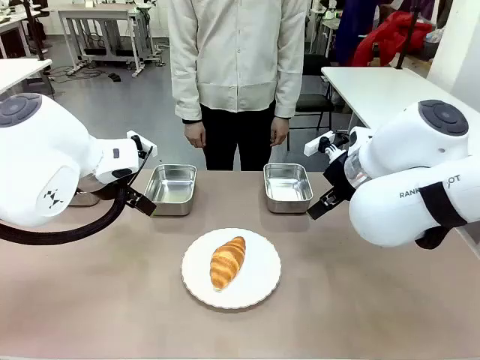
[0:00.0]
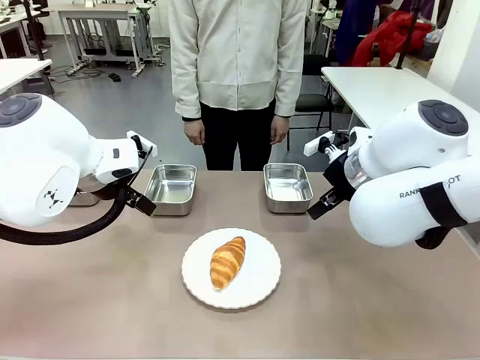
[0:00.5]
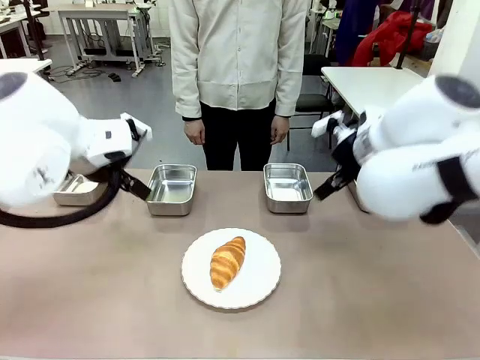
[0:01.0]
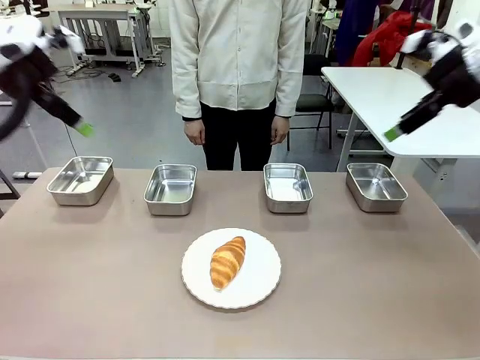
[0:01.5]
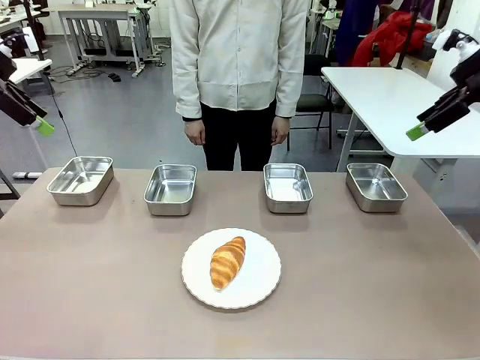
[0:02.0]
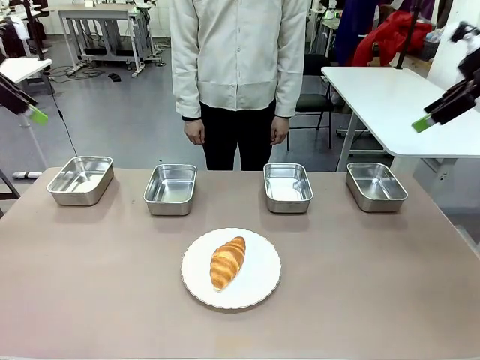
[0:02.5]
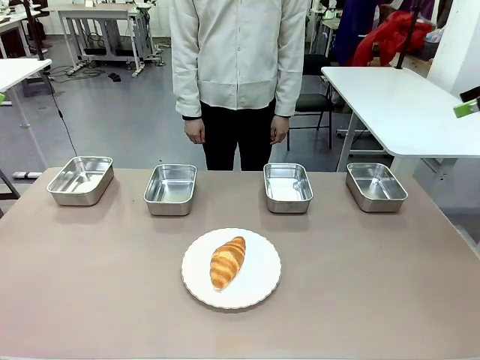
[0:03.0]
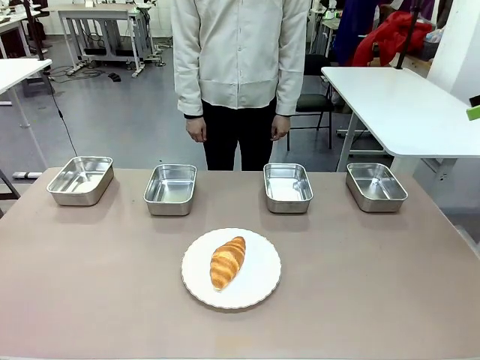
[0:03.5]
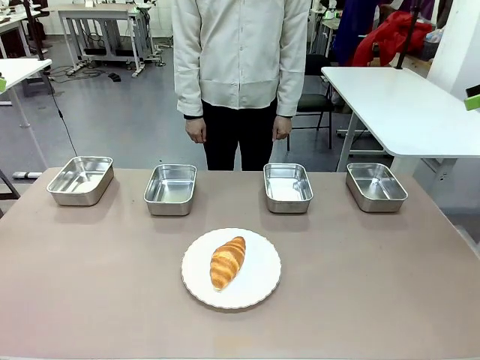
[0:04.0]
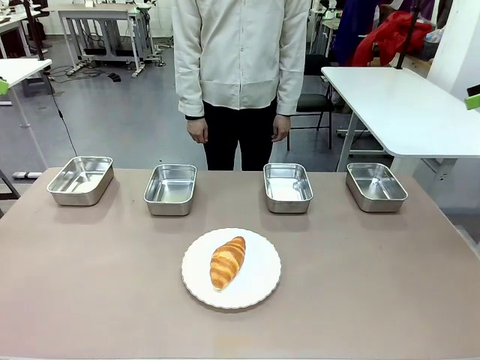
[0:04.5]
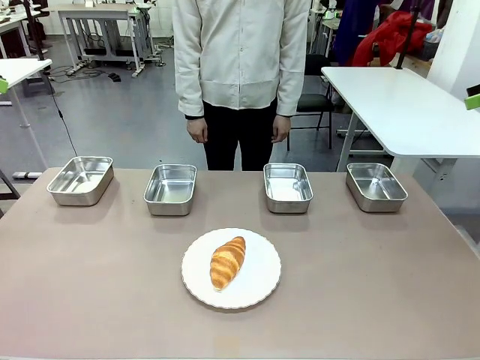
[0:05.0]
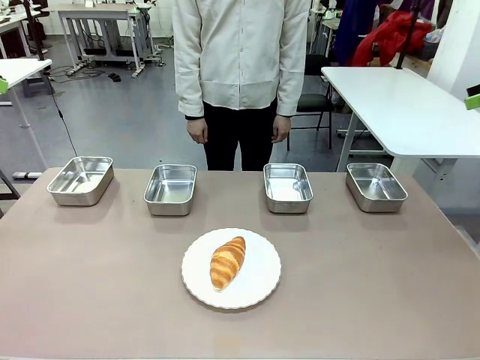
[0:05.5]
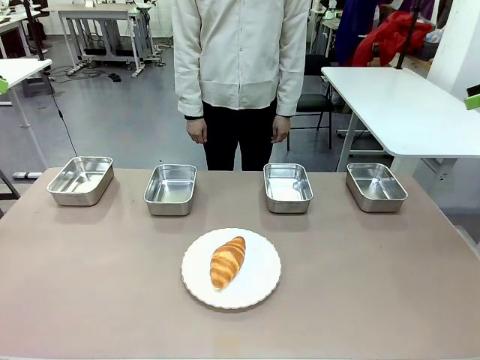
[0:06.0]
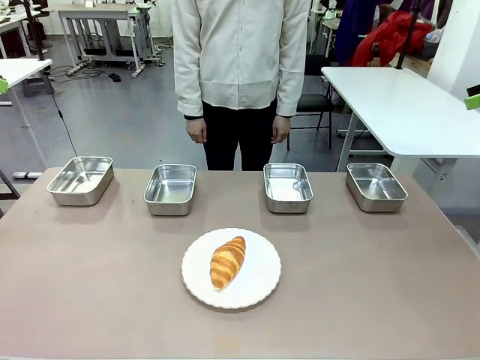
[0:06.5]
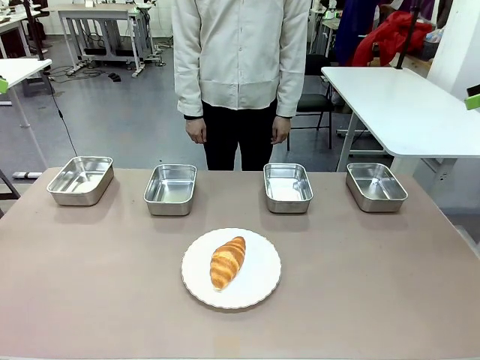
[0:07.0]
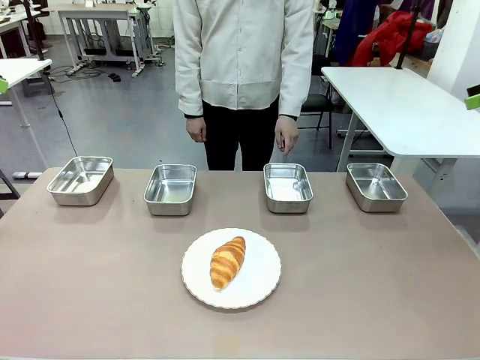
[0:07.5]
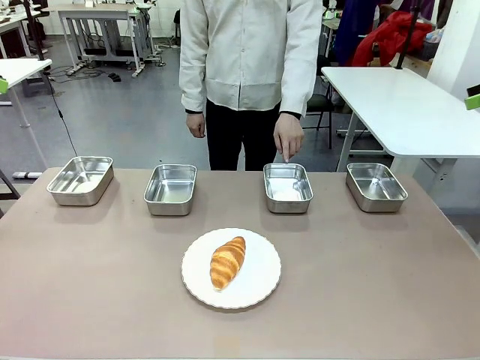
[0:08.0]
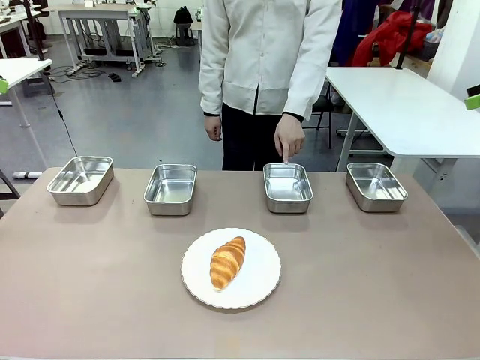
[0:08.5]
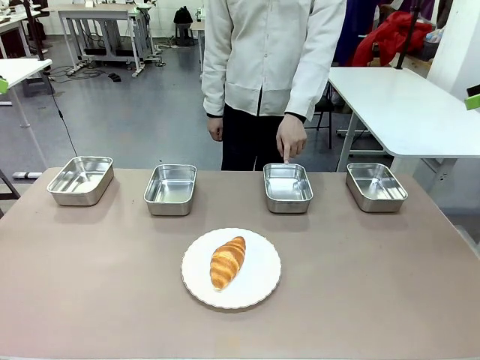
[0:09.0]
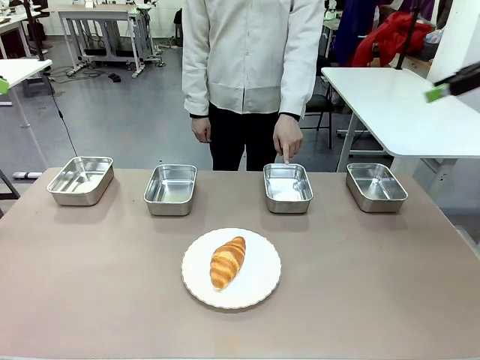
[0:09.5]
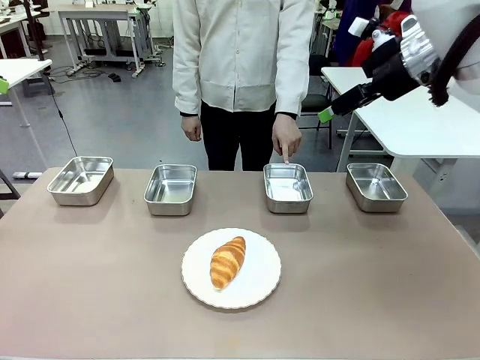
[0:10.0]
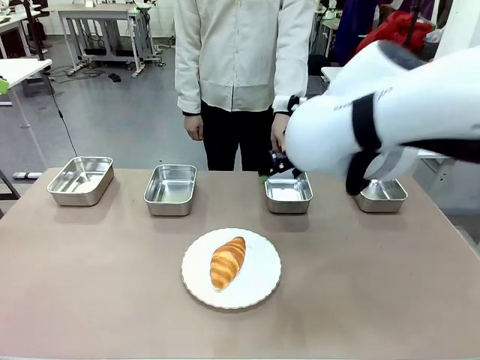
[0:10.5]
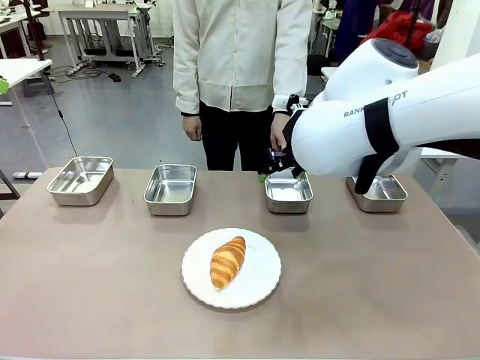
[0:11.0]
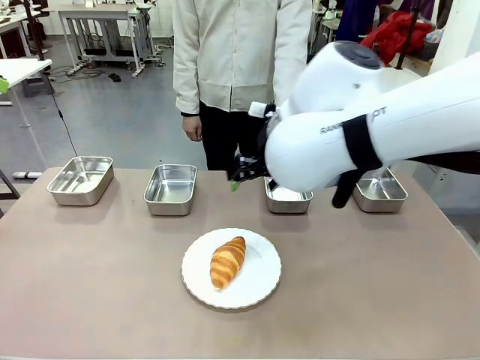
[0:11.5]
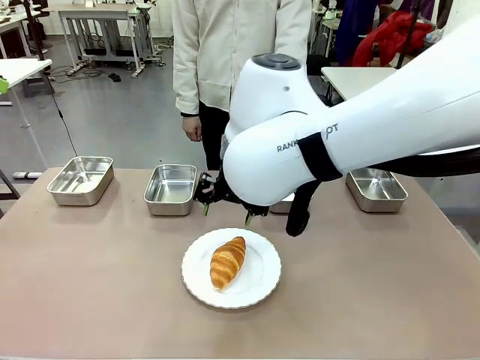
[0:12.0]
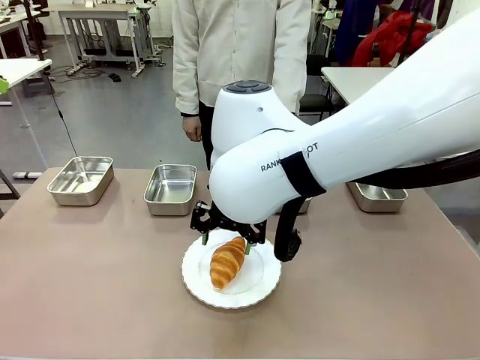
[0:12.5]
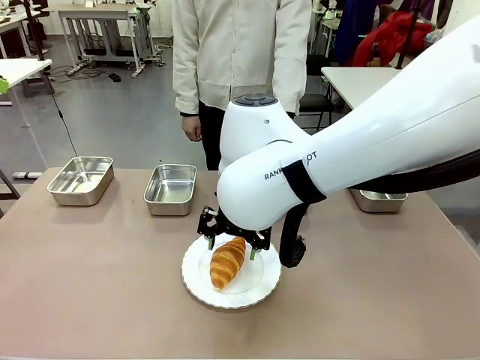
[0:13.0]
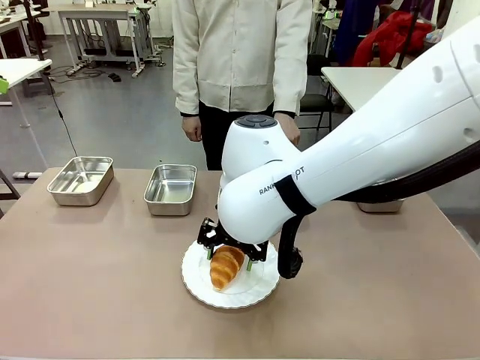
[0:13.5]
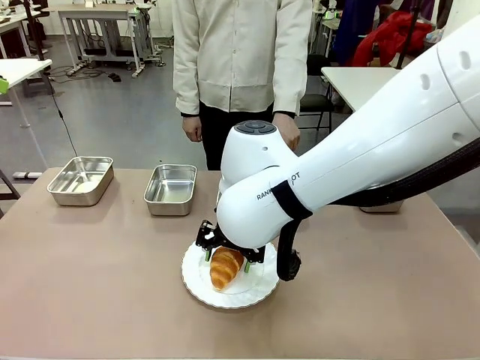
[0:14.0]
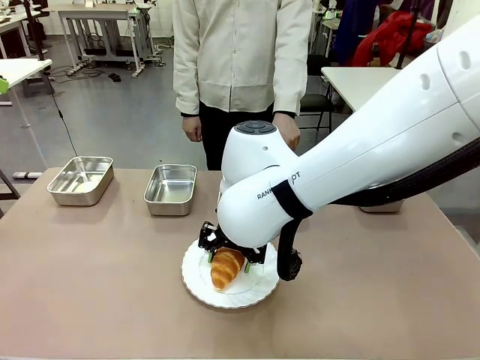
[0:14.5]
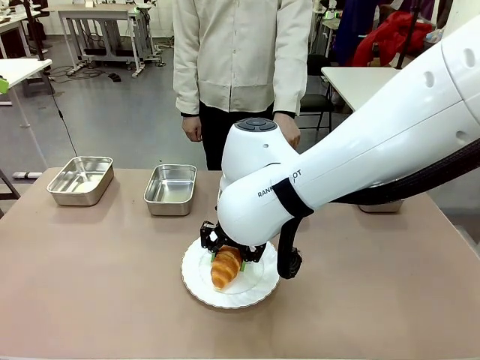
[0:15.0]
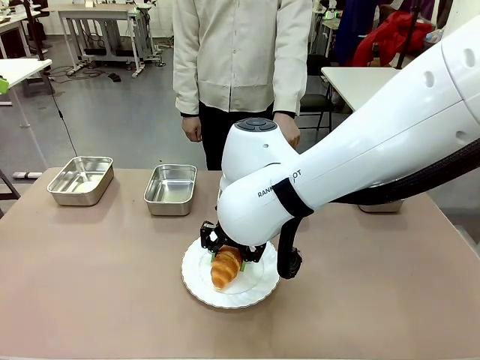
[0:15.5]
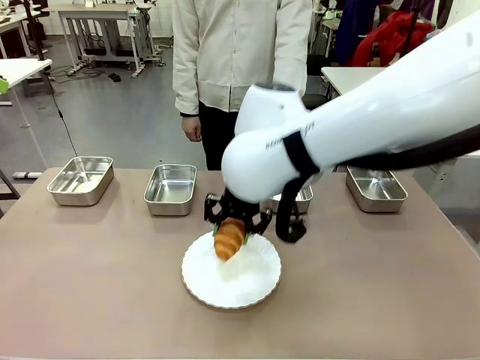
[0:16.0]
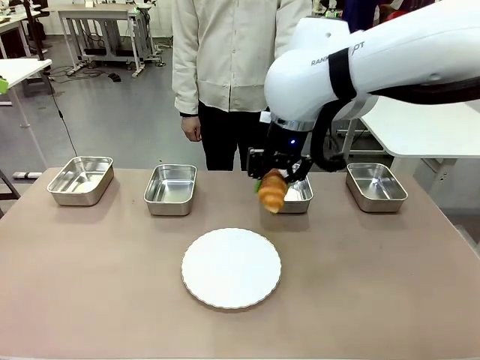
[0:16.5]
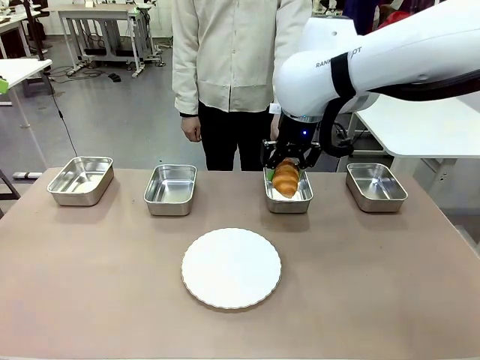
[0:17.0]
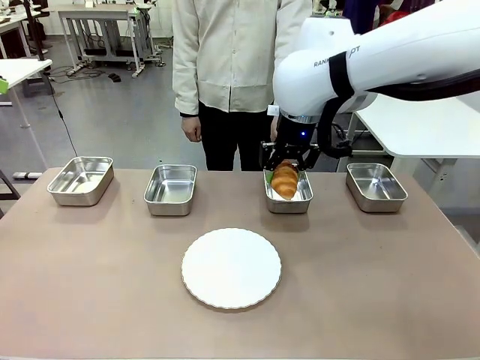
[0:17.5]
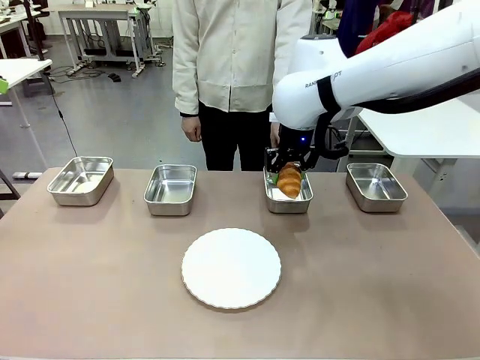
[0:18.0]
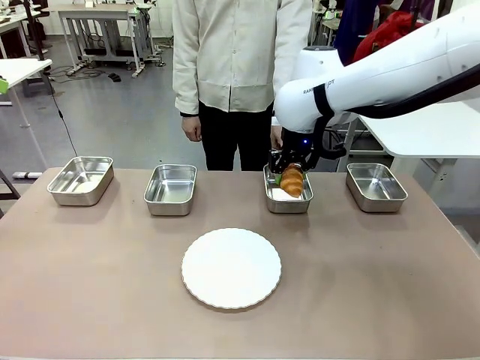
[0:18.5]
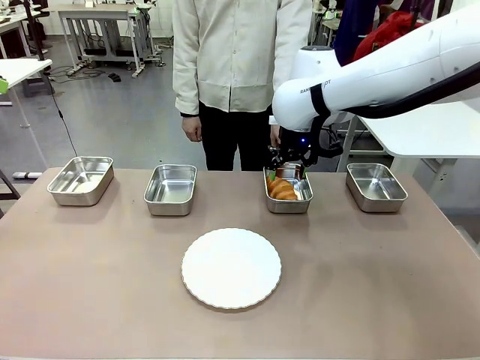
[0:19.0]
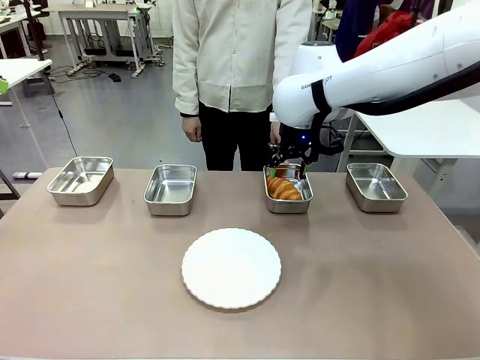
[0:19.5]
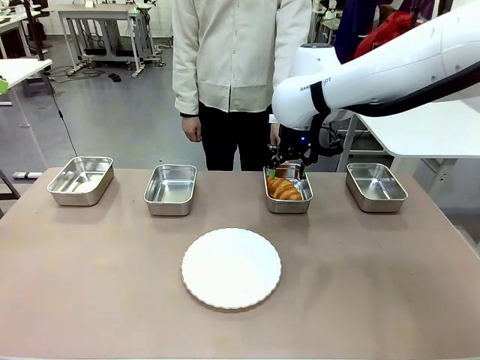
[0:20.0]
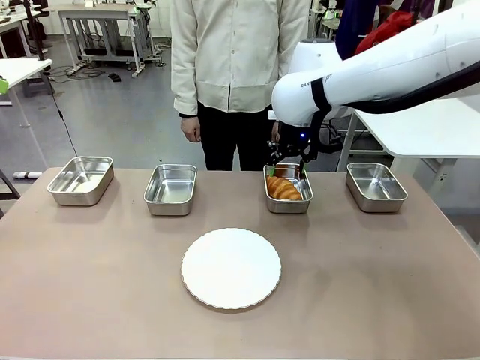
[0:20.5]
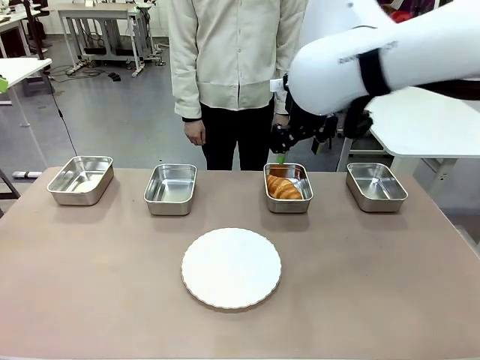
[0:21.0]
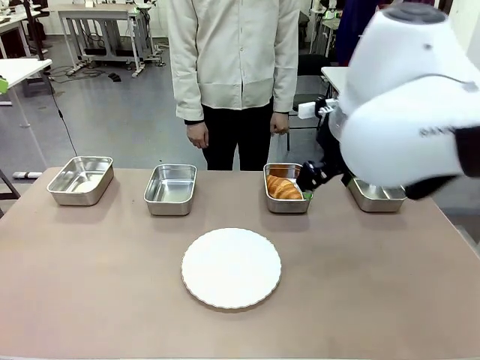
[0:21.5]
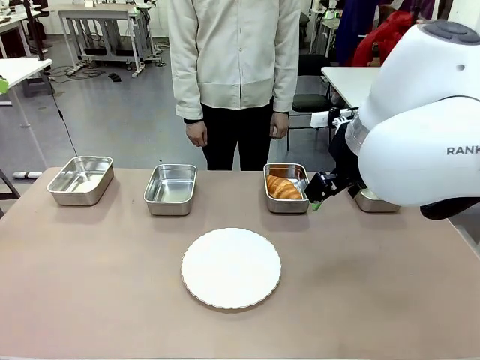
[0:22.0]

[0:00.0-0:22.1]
Task: Place the bread in the container.
Robot: Place the Butter Roll into the Airtight Container indicated by the human.
Person: A person randomly selects and points to an Airtight Container.
